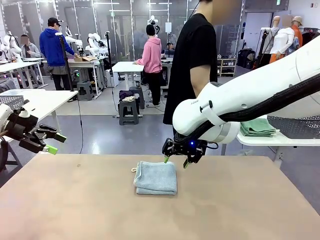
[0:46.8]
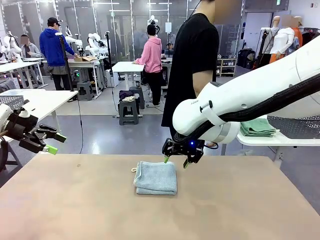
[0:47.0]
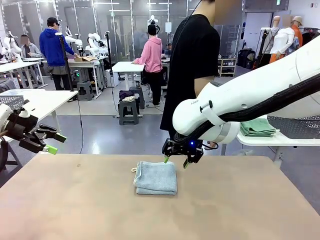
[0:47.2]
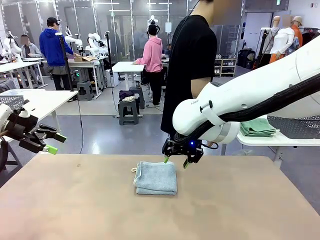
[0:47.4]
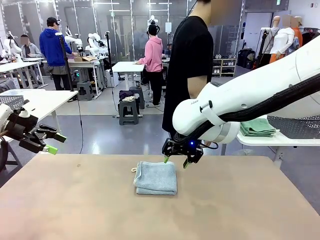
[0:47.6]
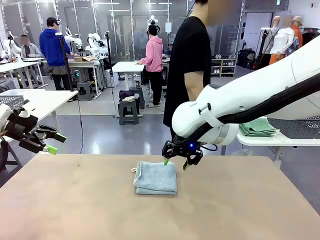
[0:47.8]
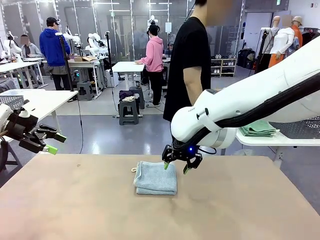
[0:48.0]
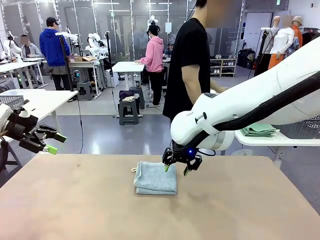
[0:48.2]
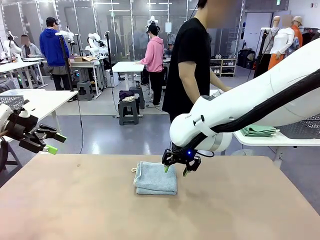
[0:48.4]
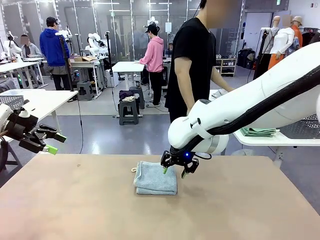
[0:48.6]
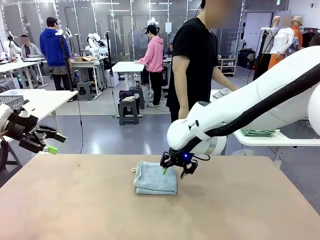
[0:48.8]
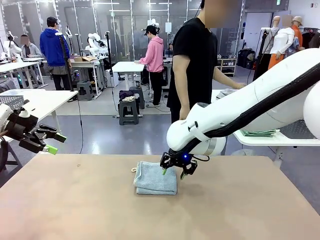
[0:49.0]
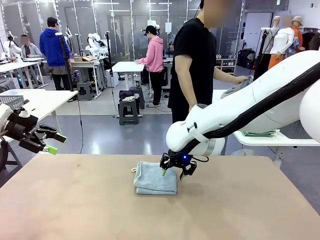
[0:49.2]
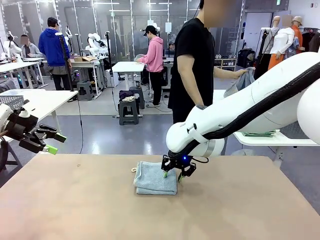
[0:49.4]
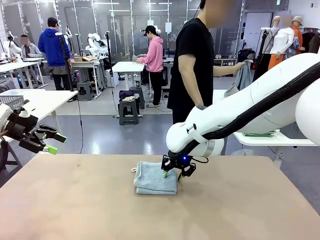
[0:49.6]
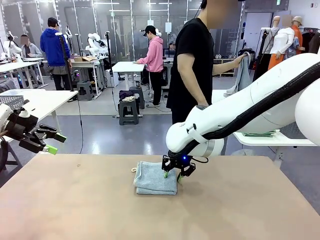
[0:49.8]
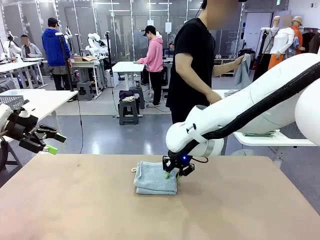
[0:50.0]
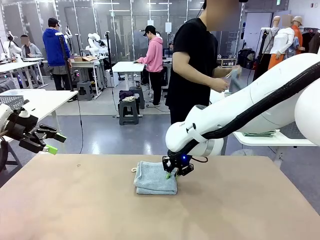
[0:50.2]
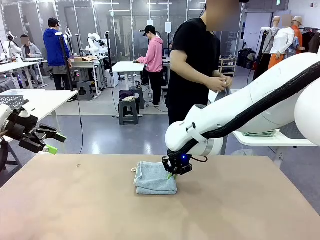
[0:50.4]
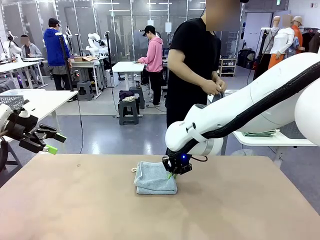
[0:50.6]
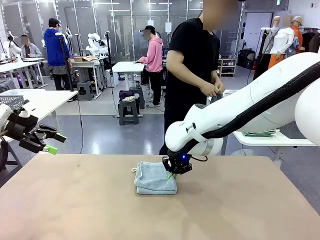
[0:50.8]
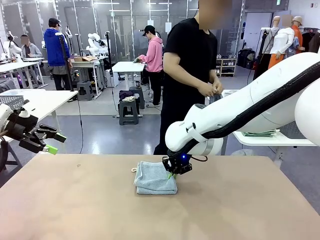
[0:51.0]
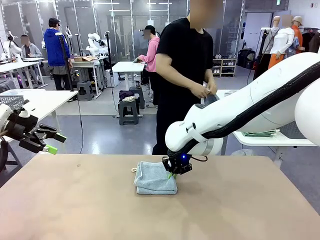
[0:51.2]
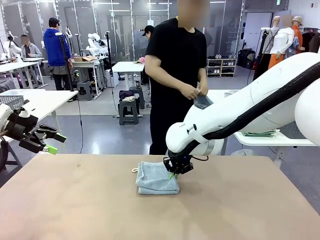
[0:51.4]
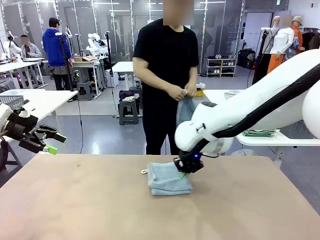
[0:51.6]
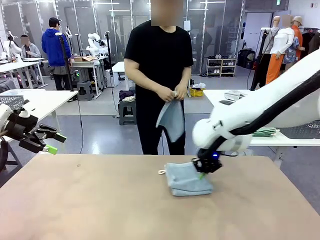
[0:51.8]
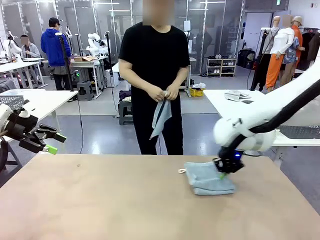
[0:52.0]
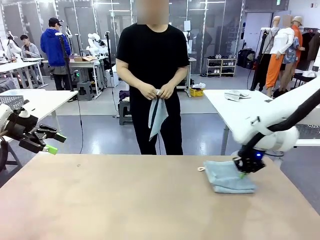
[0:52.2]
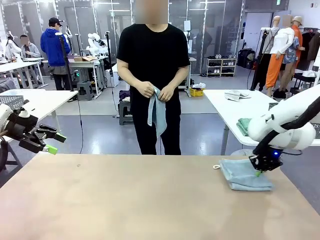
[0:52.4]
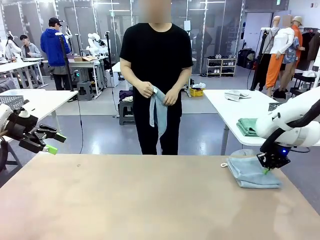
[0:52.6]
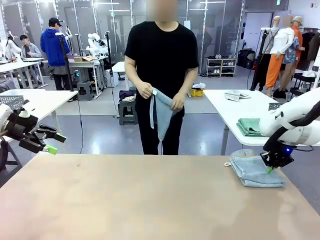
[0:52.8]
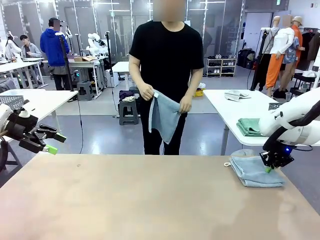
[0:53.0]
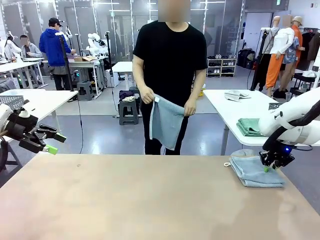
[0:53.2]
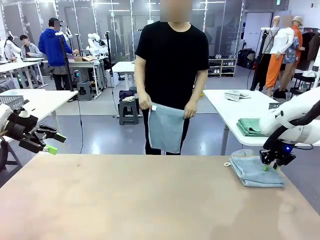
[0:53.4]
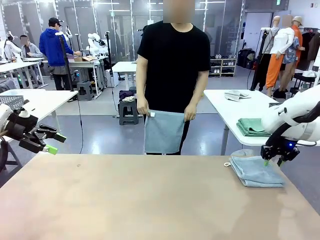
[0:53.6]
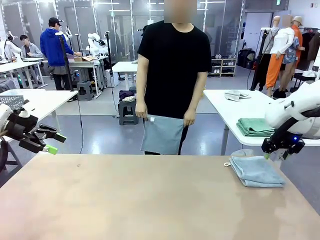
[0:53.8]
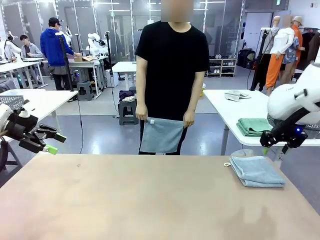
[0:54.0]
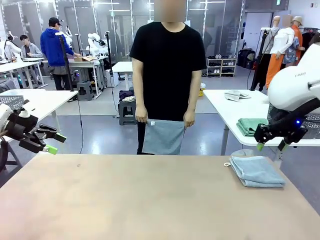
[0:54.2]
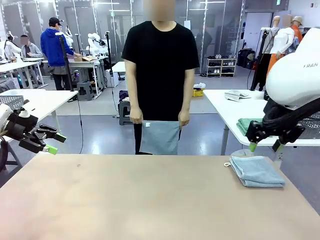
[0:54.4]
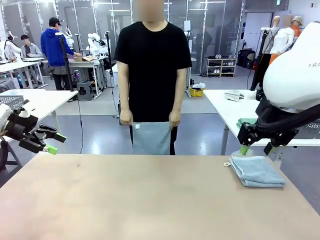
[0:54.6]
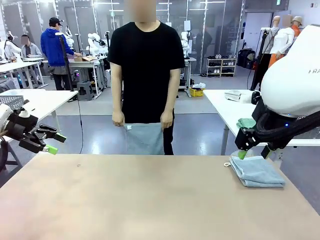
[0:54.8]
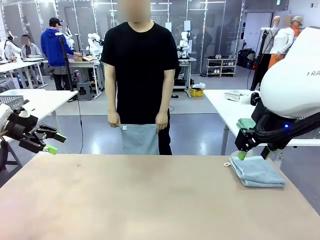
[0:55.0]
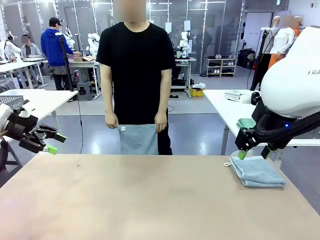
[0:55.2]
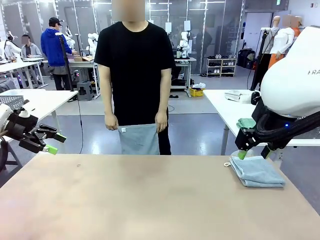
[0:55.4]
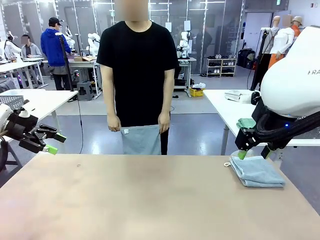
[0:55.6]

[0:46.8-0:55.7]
Task: Fold the towels and place them in the basket.
Robot: Place the folded Towel with hook on the right side of the table.
Person: Pick up one towel from the left side of the human table and spread it out at the center of the robot table.

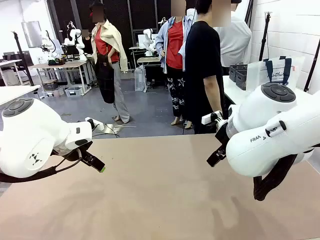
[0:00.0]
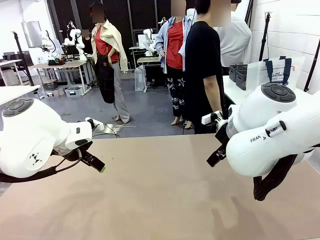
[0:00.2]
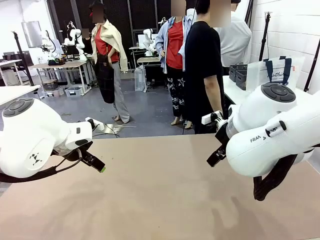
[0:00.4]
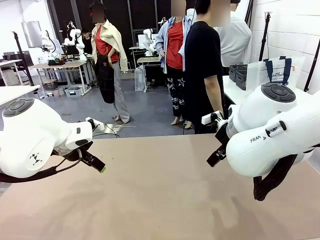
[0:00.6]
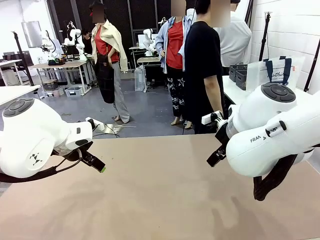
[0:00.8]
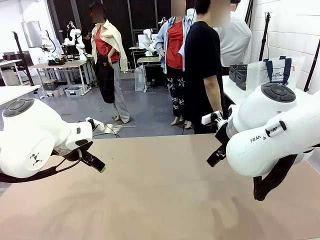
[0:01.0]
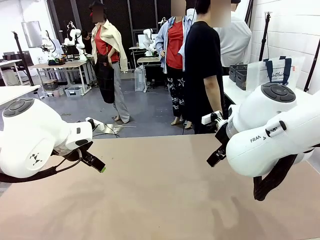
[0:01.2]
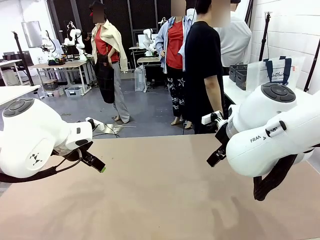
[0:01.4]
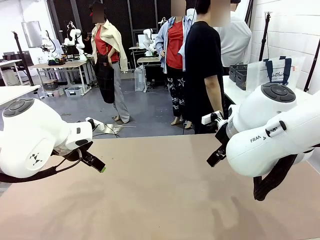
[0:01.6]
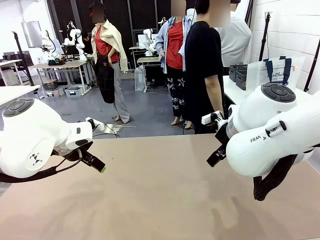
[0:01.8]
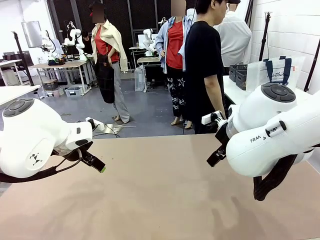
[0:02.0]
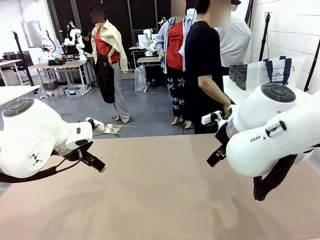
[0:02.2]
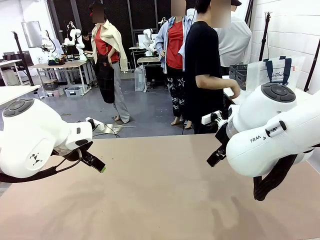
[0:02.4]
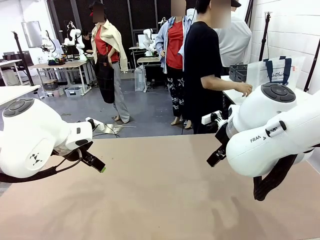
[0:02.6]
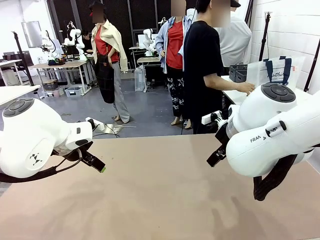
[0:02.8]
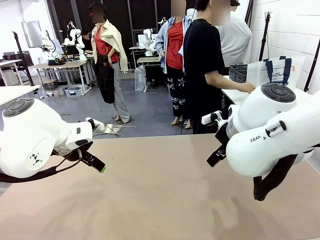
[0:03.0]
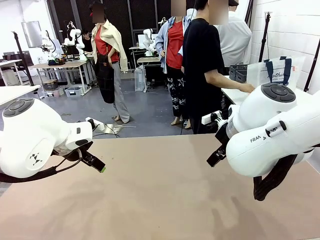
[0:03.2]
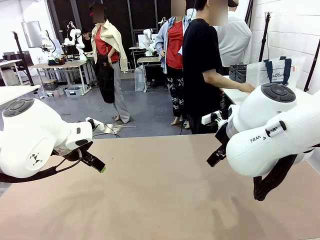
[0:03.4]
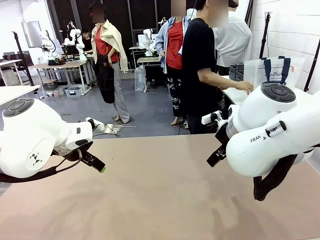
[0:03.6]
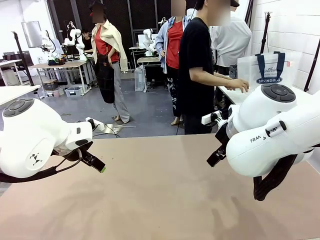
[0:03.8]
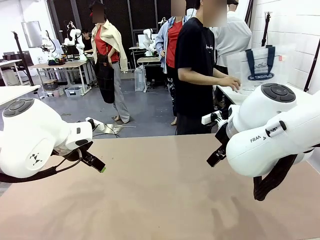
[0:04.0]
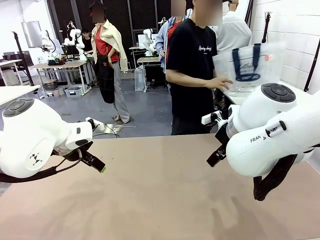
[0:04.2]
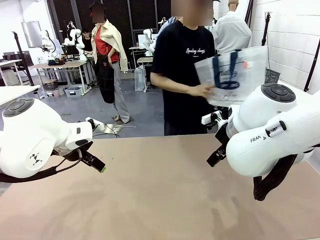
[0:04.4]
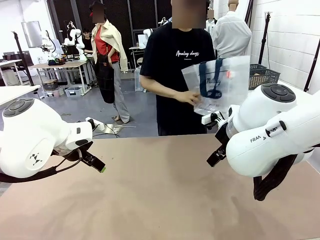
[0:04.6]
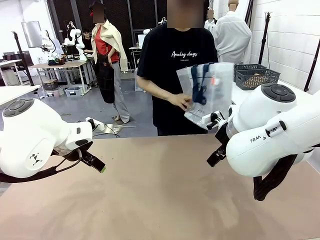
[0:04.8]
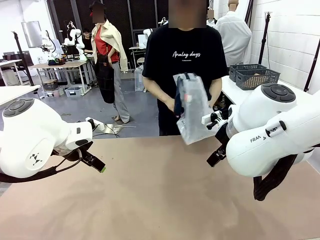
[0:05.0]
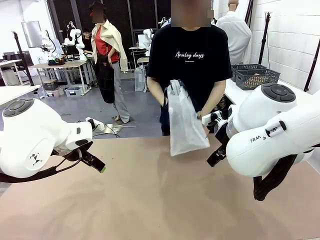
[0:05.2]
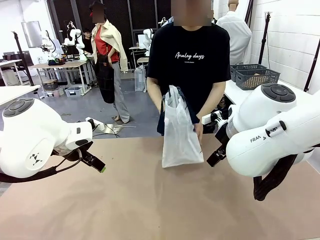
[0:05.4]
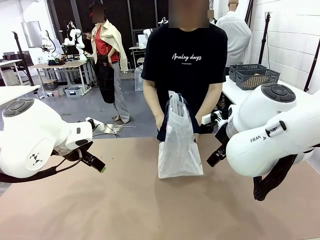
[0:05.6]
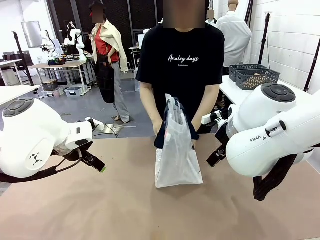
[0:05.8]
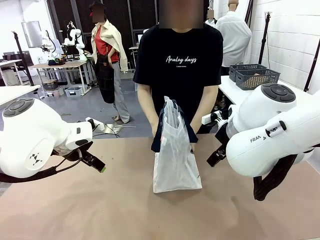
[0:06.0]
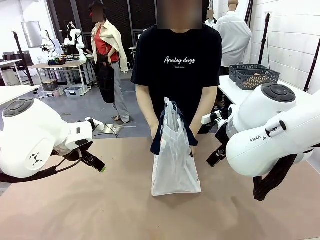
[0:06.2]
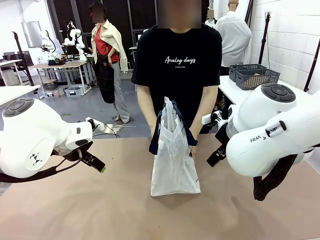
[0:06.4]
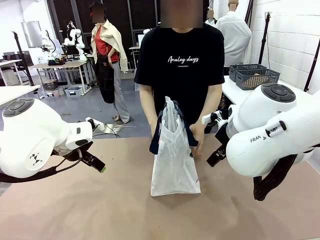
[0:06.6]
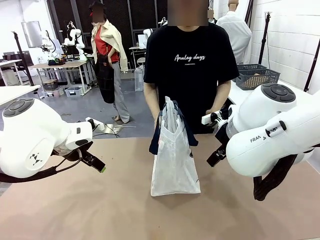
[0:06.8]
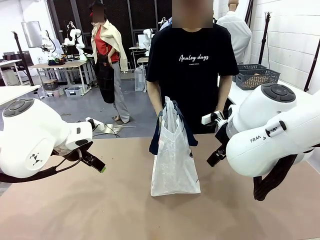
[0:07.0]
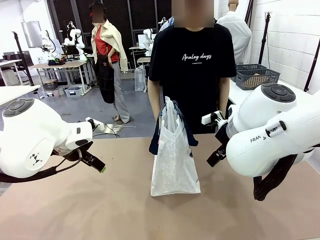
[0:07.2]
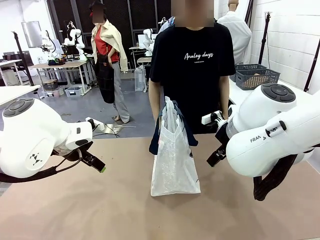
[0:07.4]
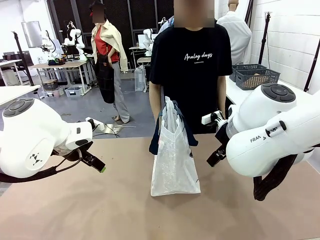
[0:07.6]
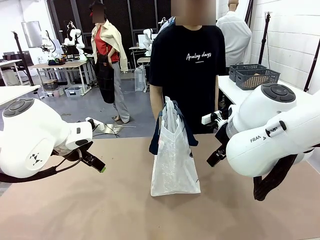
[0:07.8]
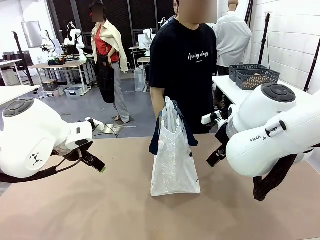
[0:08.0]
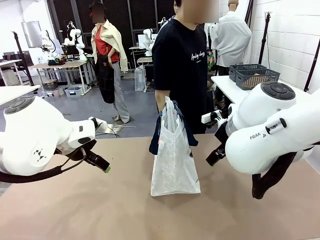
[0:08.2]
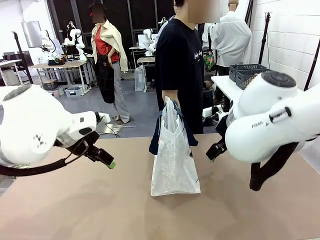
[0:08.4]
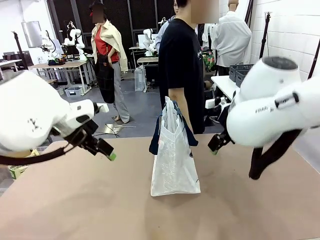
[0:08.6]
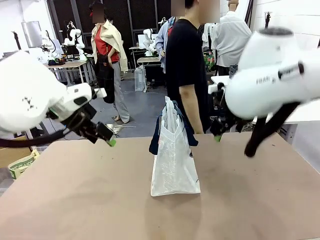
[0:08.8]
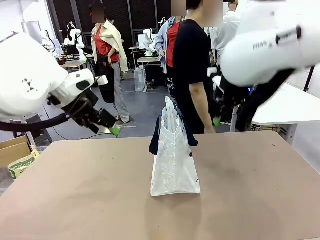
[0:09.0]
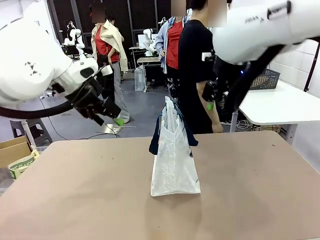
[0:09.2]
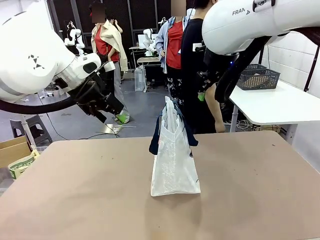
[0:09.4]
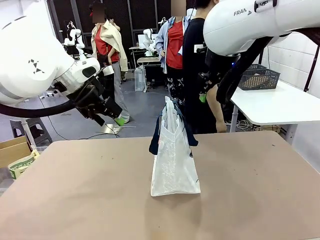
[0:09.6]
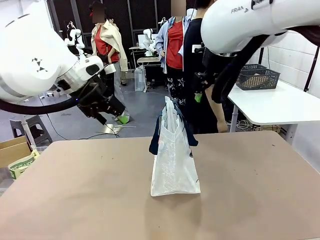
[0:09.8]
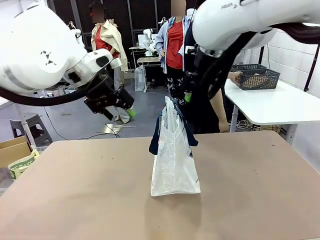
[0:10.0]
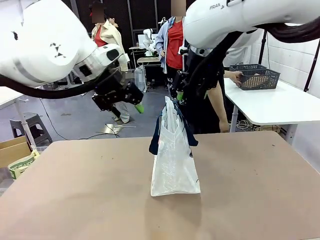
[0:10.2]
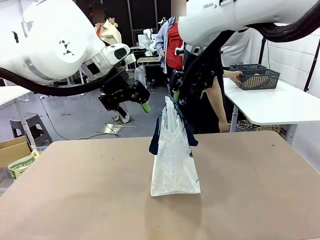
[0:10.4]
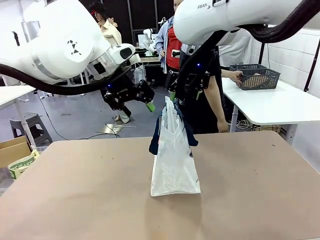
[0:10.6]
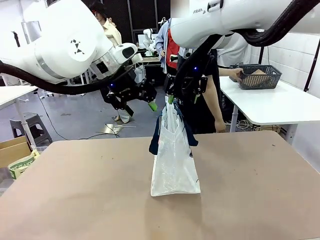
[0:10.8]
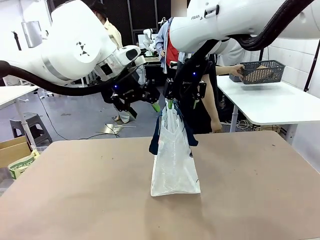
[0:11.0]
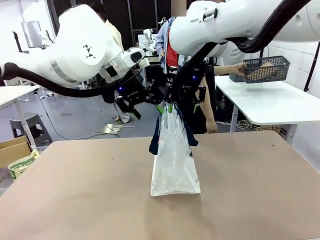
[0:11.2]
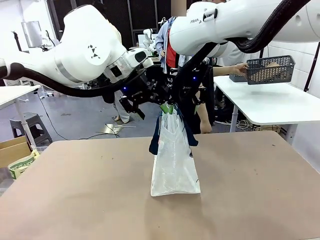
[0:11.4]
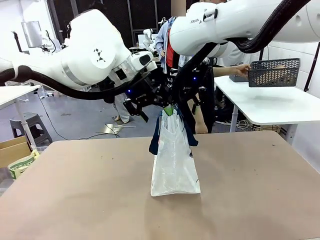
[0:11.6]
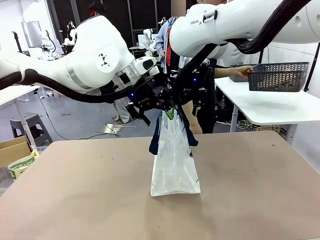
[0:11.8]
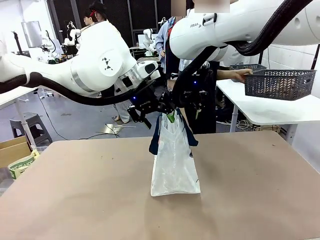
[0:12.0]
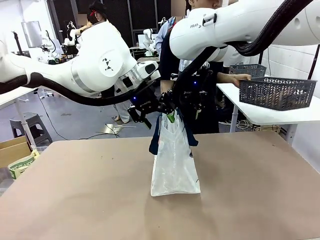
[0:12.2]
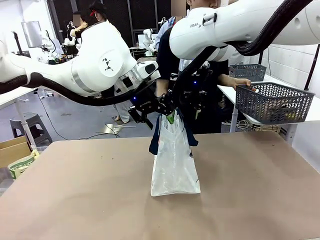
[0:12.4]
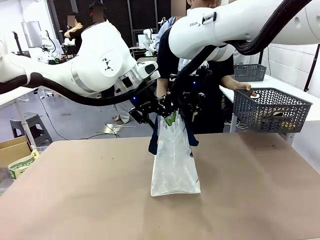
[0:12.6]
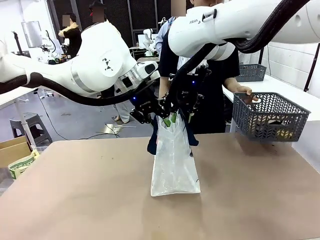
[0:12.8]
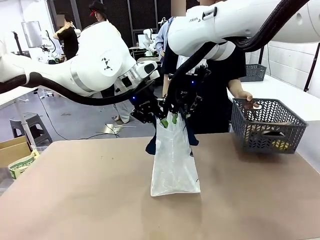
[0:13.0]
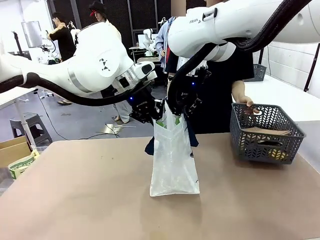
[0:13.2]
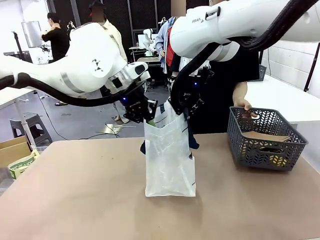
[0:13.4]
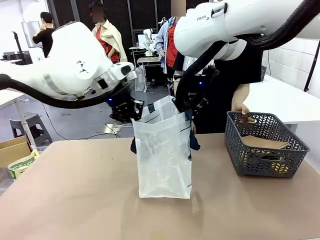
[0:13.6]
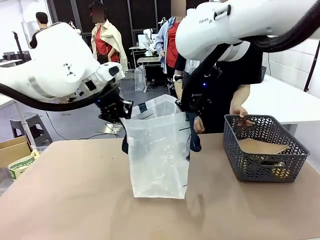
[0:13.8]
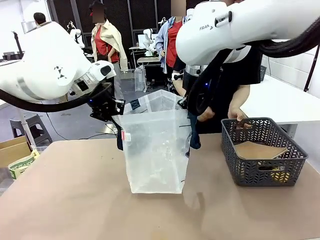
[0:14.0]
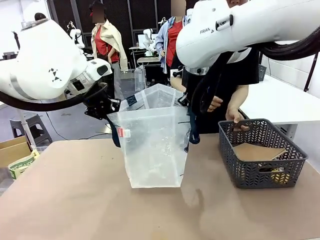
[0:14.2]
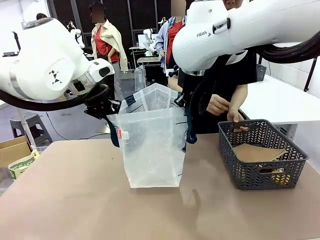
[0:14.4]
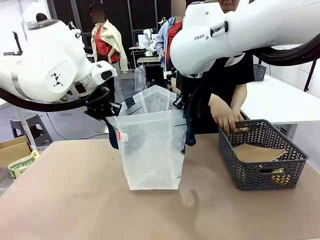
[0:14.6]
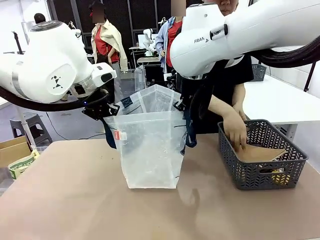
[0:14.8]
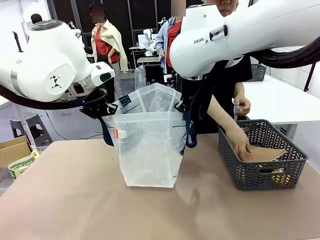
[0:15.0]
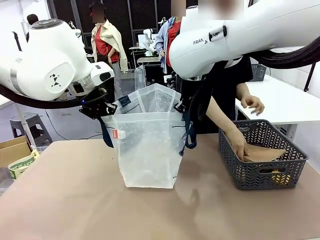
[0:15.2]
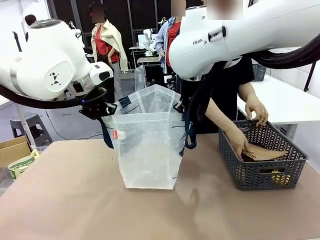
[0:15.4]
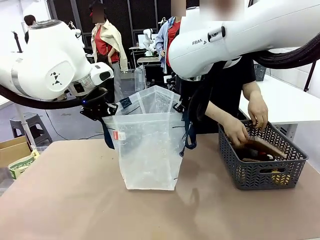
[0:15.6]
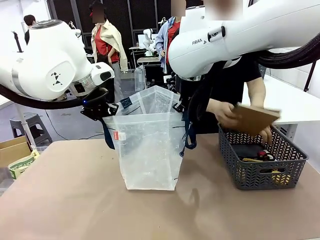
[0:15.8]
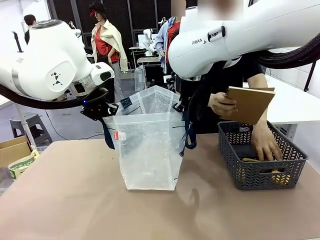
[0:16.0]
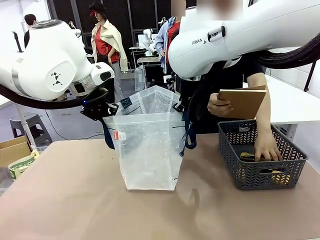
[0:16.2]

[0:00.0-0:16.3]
Task: Transfer purchased items from the store into the shopping bag.
Robot: Open the Reusable shopping bag in the center of the table.
Person: Pick up the shopping bag and place it in the middle of the robot table.
